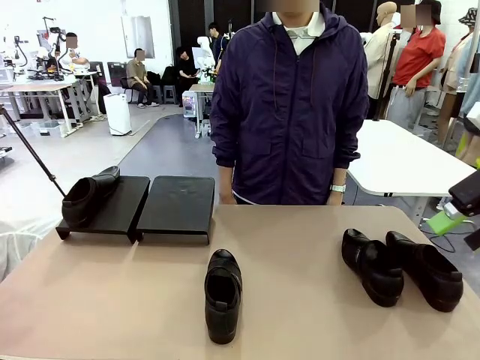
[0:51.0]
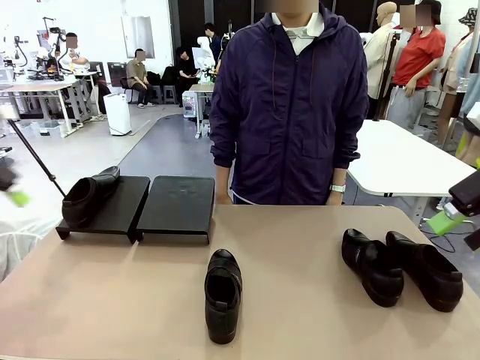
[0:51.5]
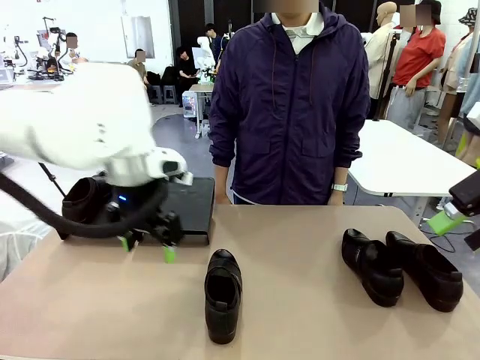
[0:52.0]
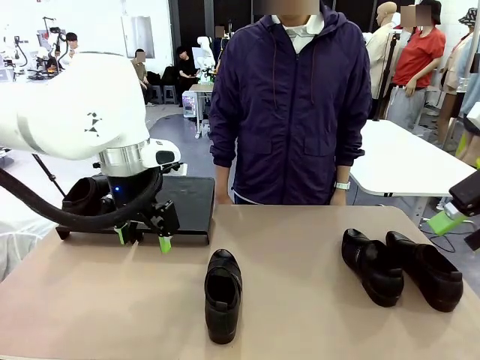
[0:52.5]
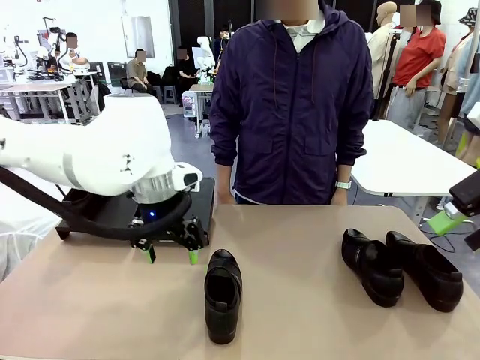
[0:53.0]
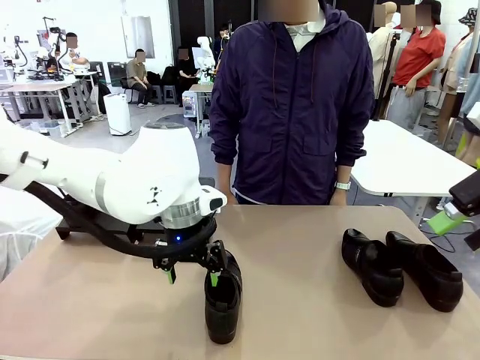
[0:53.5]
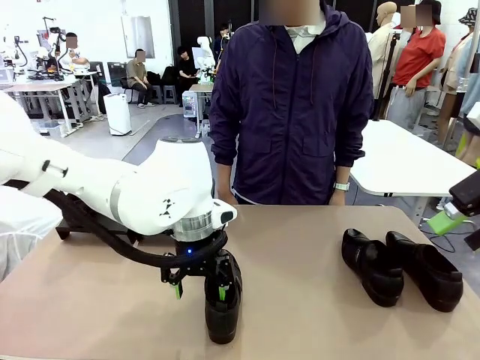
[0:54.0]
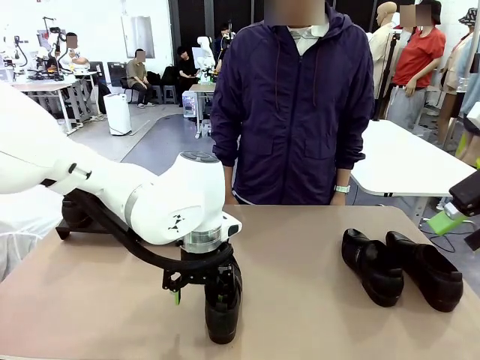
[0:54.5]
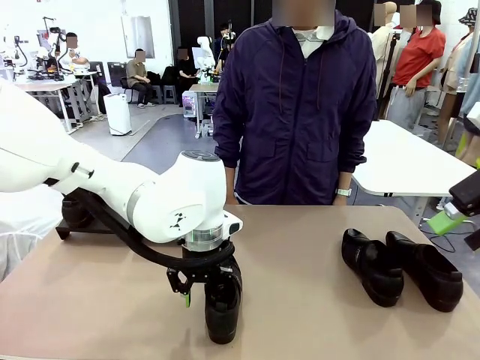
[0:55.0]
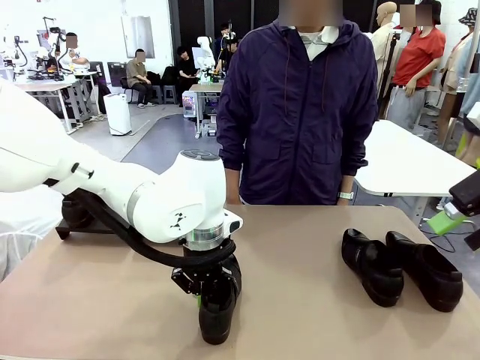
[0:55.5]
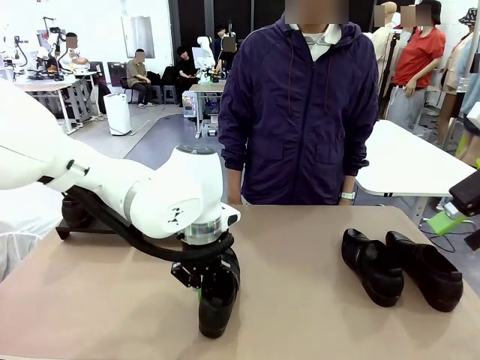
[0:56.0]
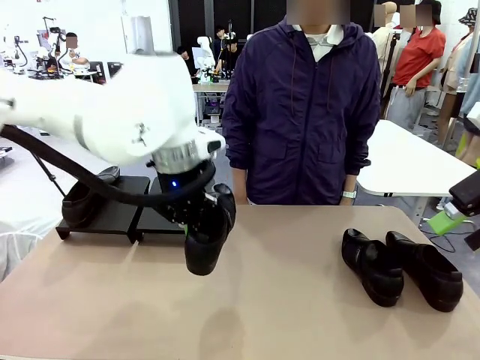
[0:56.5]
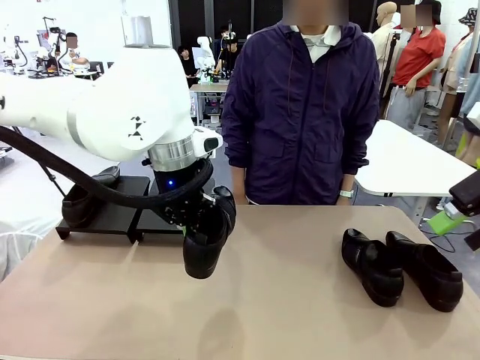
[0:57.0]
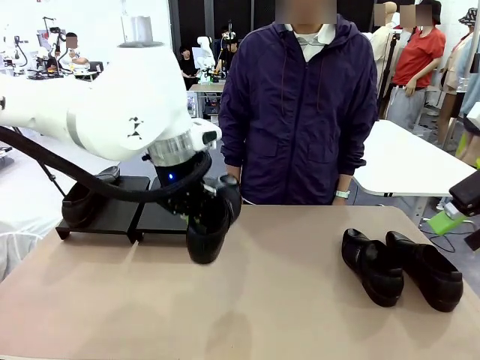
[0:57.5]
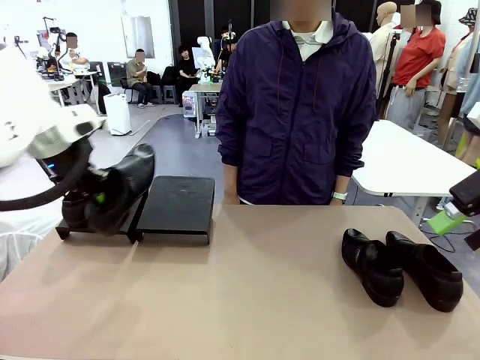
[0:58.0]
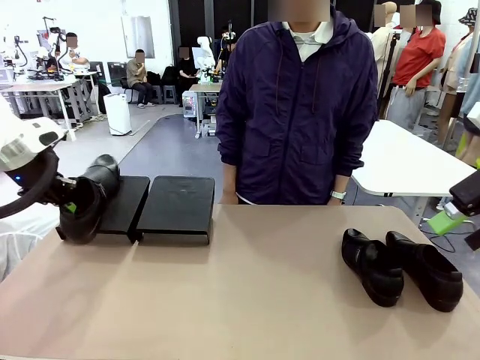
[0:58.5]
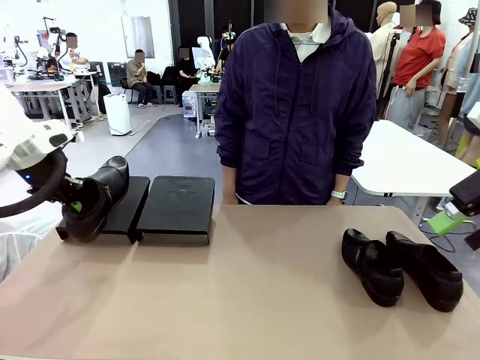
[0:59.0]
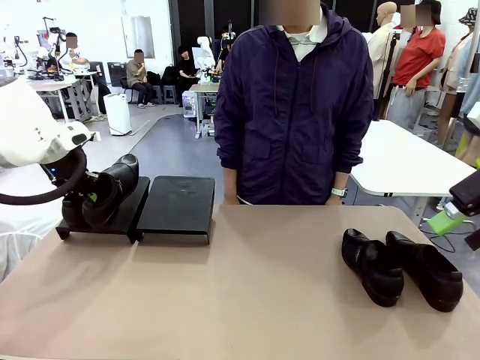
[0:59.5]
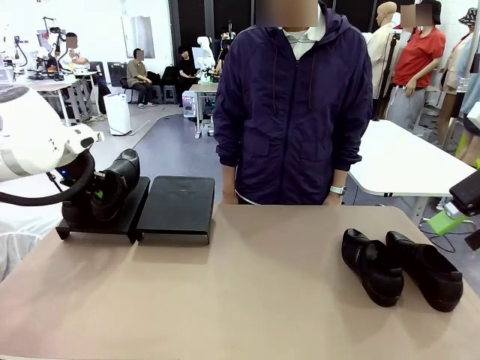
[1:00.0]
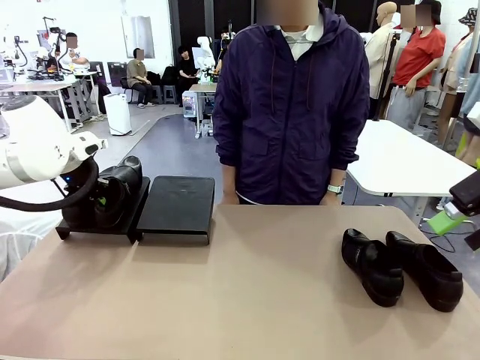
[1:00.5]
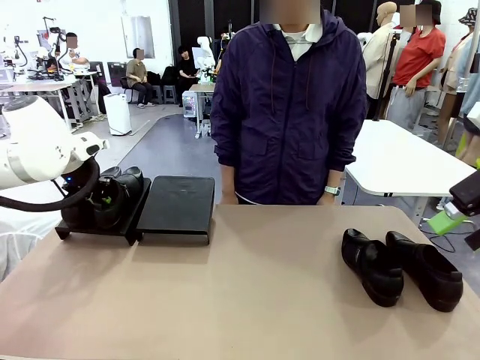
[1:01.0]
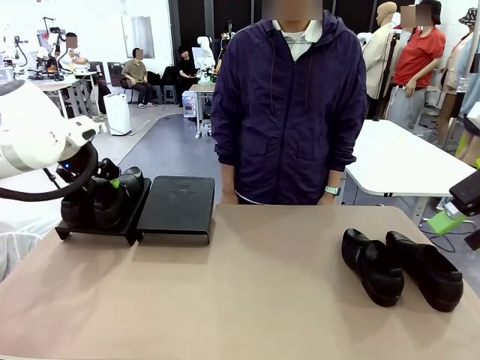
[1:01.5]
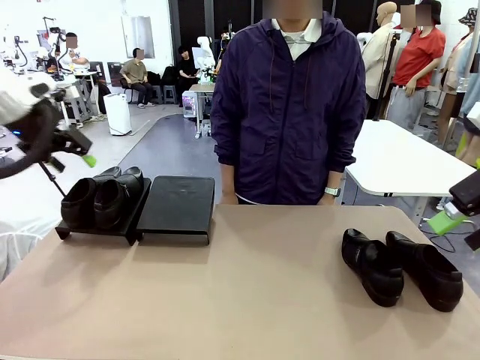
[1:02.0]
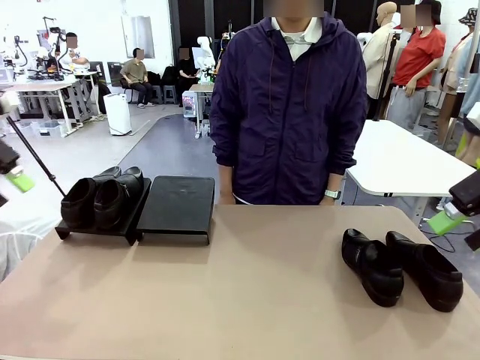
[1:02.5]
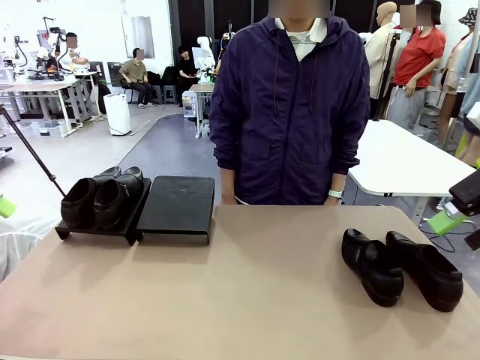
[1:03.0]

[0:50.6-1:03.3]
Task: Organize the shoes by placing them on the stand.
Robot: Place the Shoe from the middle of the table onto the Shoes Stand.

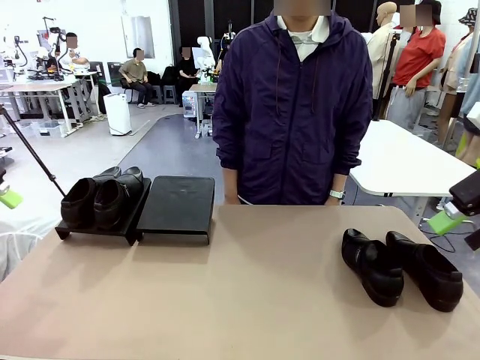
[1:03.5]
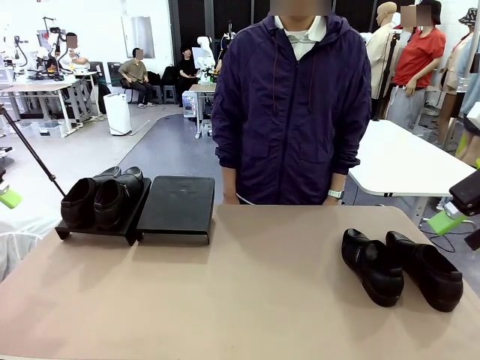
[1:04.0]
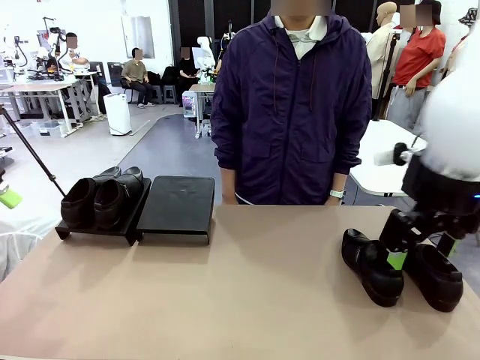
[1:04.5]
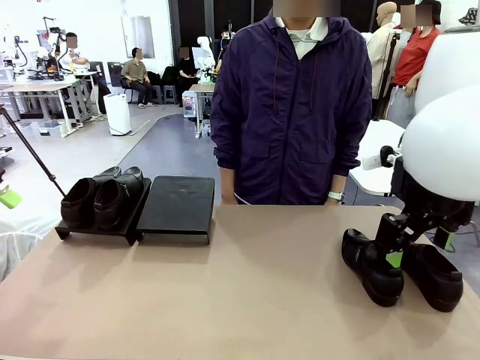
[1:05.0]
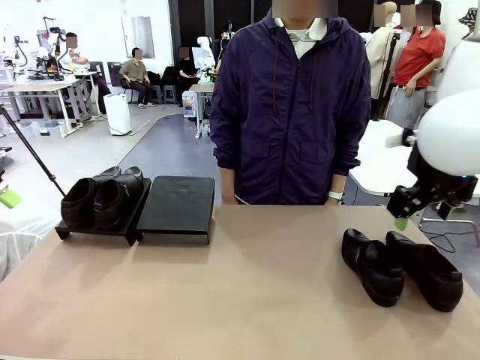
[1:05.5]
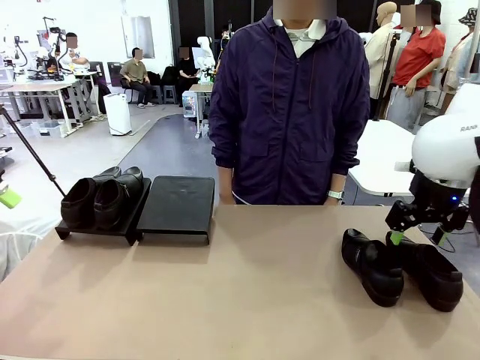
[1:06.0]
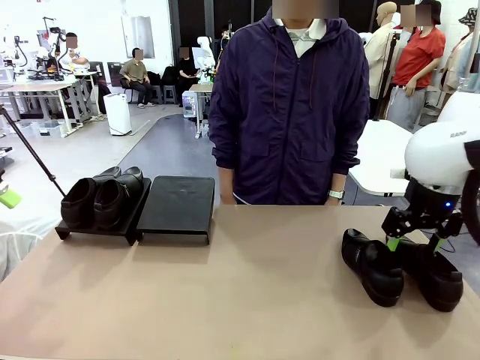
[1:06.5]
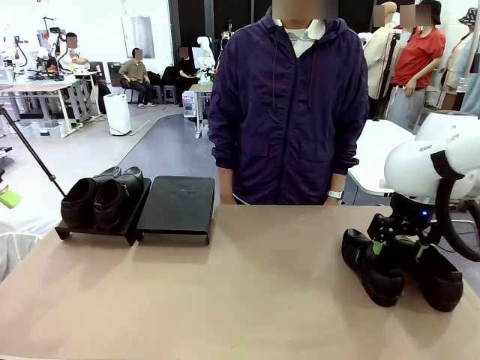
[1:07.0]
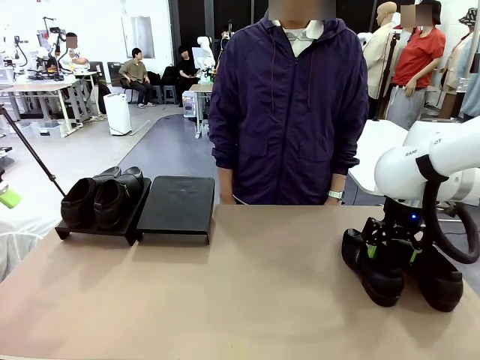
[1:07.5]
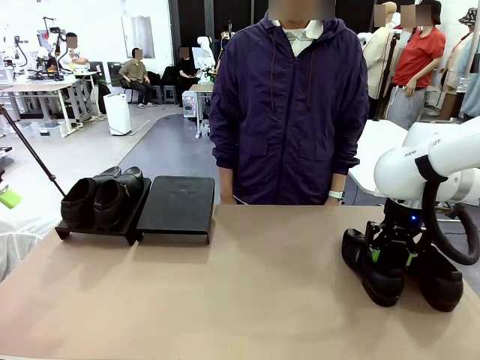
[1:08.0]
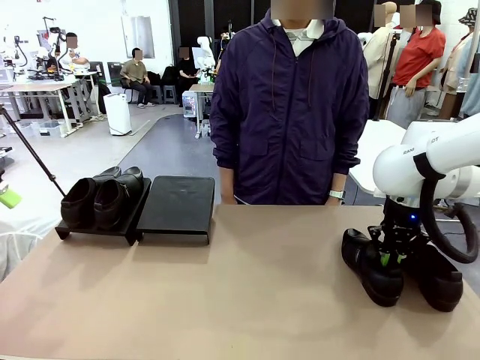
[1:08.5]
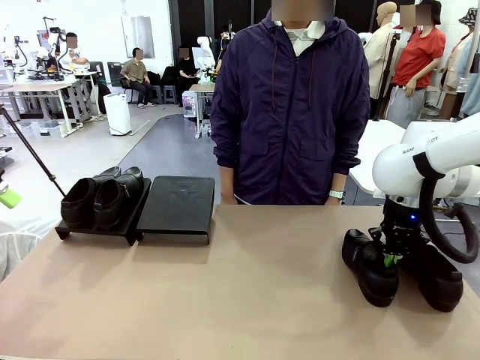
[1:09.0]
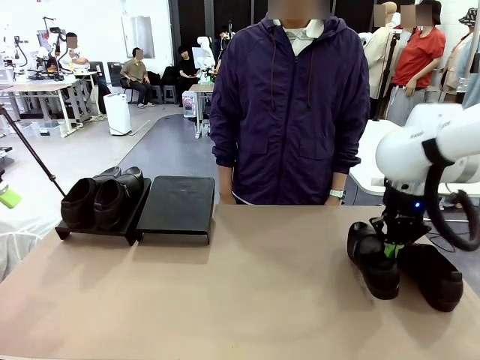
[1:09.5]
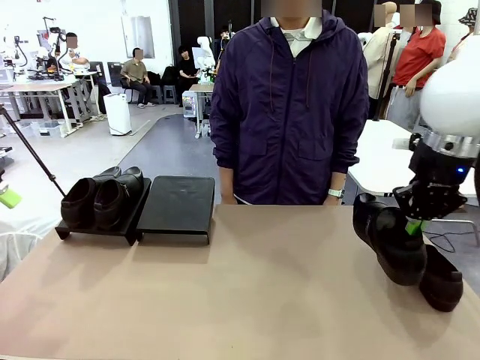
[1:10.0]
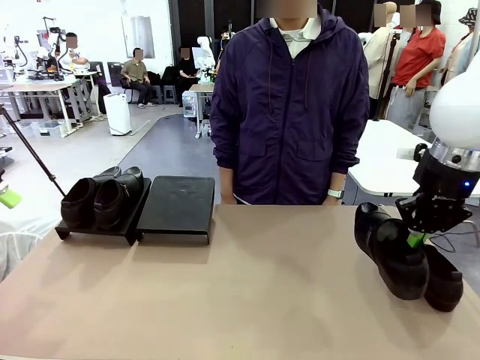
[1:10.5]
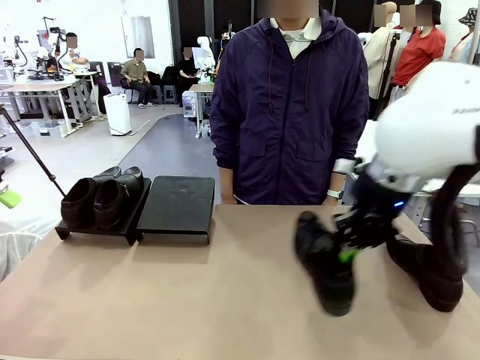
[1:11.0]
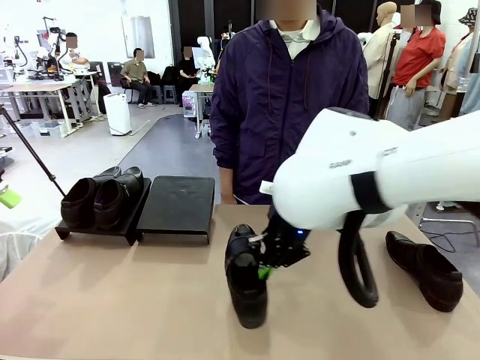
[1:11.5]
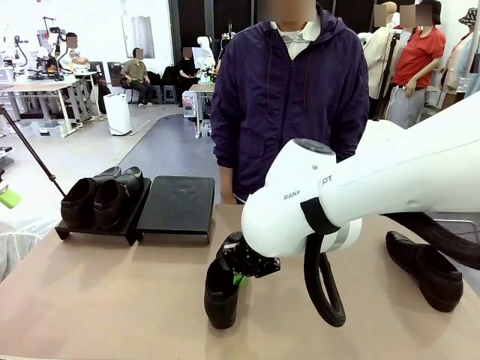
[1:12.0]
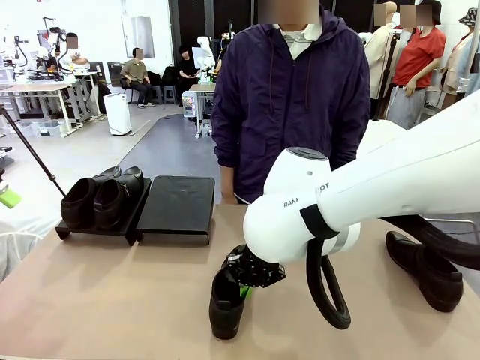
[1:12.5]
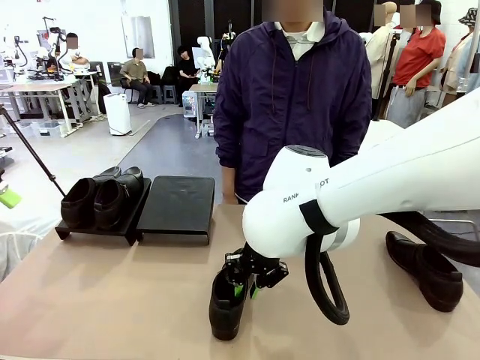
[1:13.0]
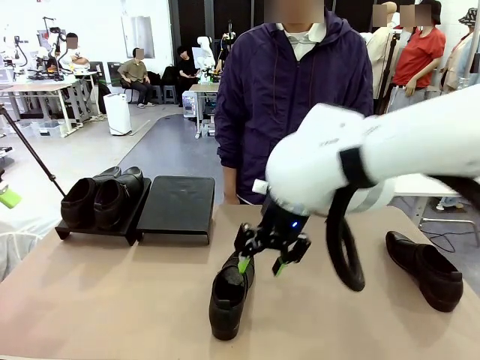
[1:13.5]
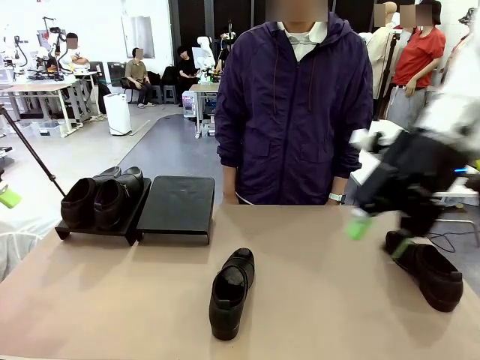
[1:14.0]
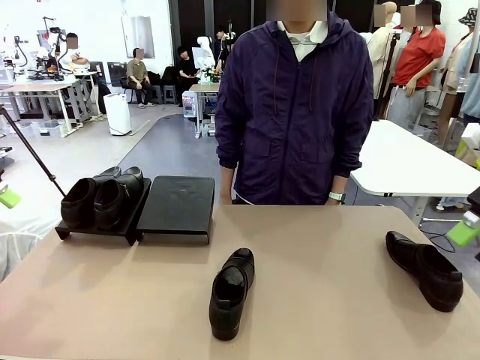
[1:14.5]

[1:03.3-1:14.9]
Robot: Pick up one Shoe and place it in the middle of the table.
